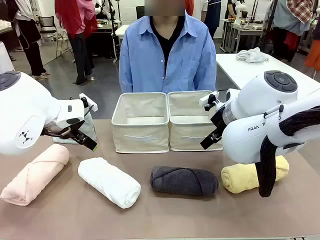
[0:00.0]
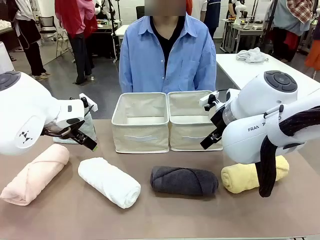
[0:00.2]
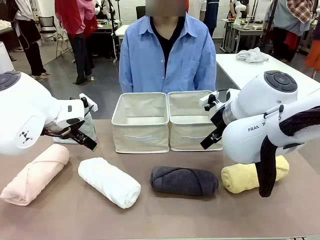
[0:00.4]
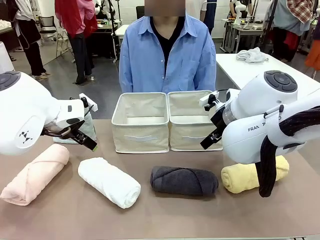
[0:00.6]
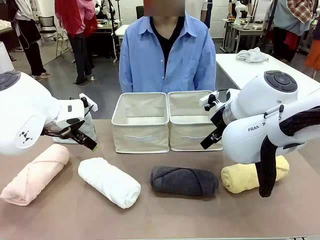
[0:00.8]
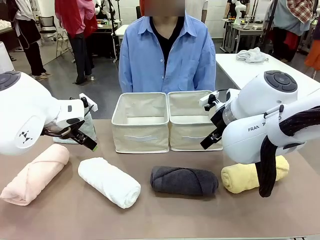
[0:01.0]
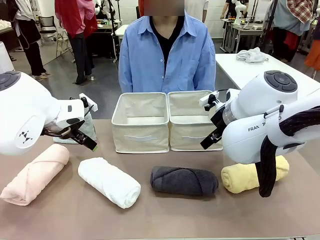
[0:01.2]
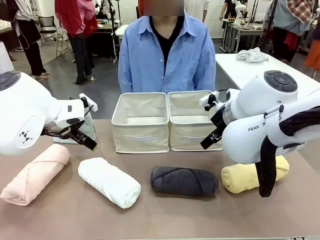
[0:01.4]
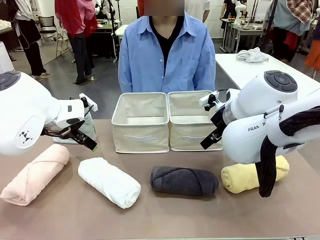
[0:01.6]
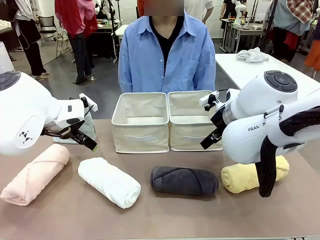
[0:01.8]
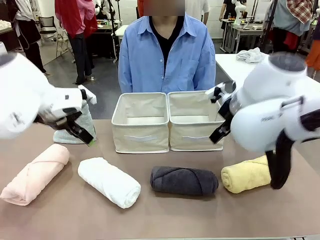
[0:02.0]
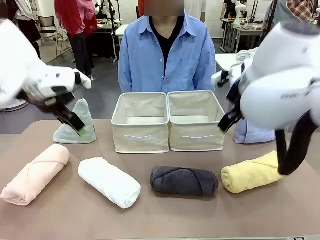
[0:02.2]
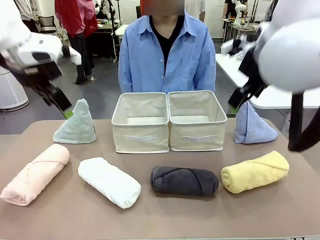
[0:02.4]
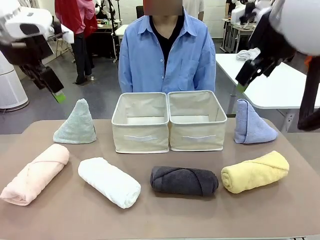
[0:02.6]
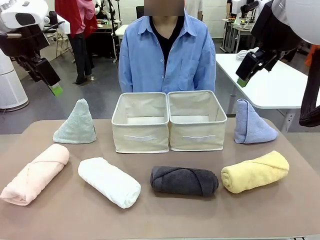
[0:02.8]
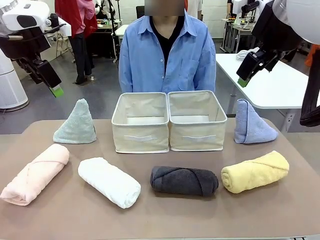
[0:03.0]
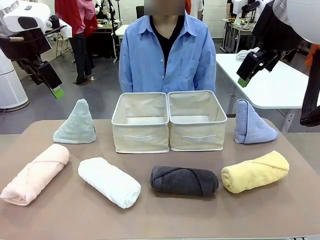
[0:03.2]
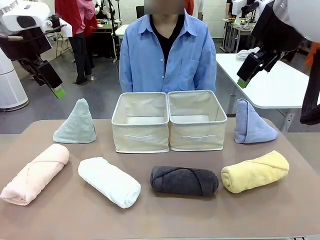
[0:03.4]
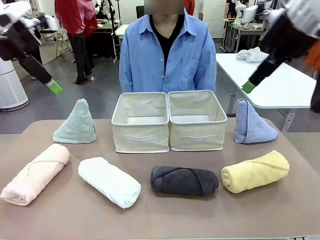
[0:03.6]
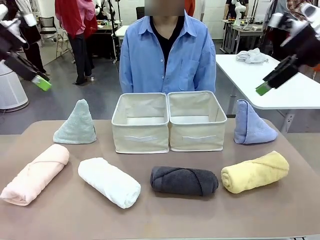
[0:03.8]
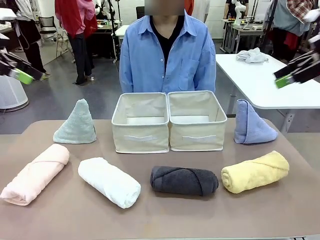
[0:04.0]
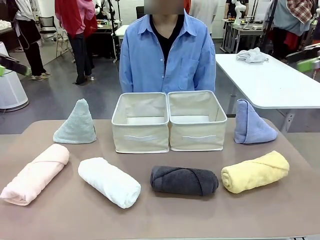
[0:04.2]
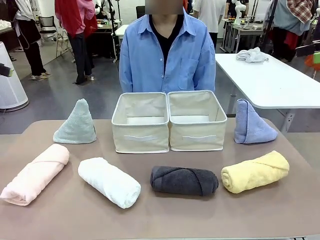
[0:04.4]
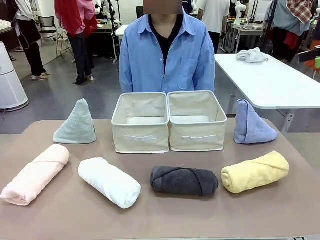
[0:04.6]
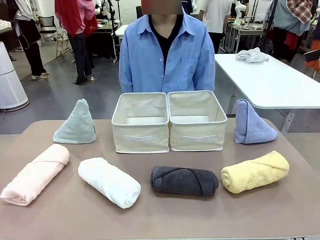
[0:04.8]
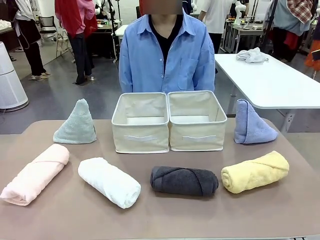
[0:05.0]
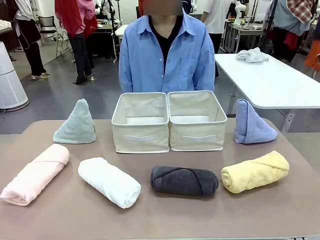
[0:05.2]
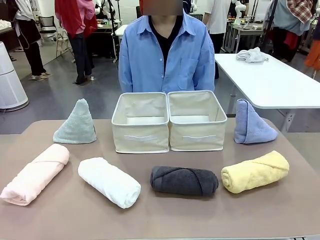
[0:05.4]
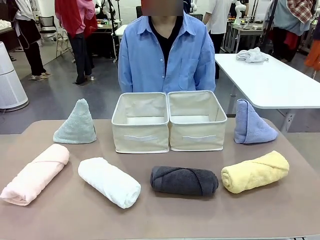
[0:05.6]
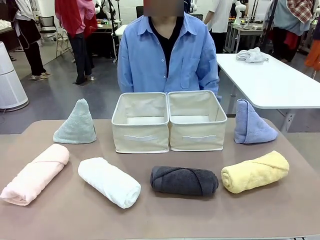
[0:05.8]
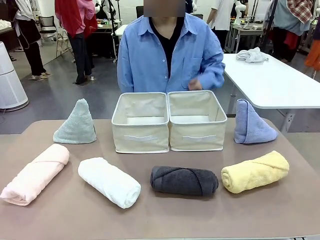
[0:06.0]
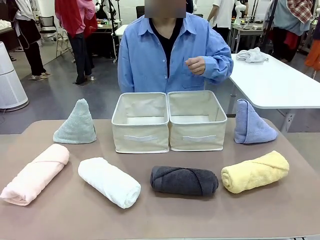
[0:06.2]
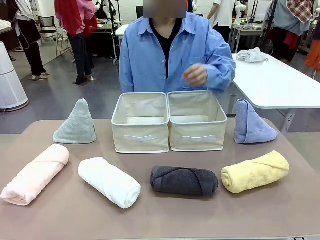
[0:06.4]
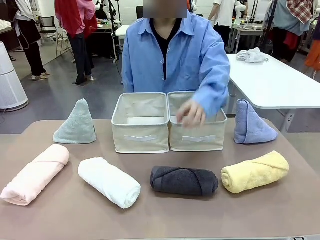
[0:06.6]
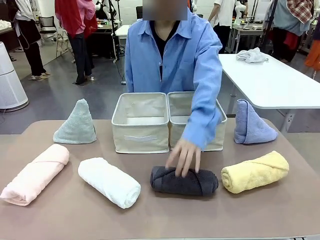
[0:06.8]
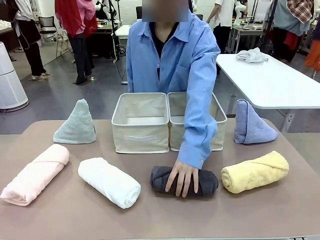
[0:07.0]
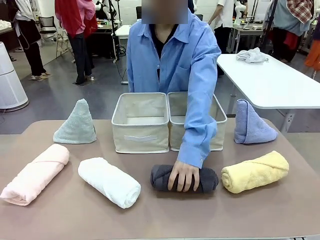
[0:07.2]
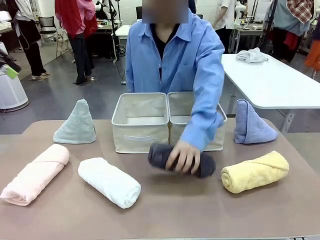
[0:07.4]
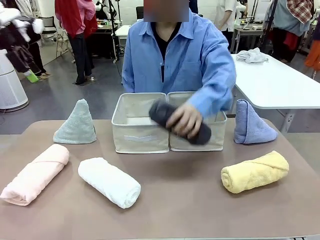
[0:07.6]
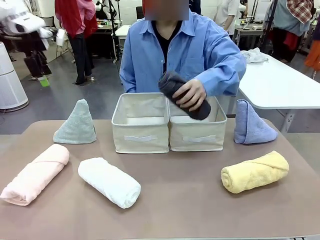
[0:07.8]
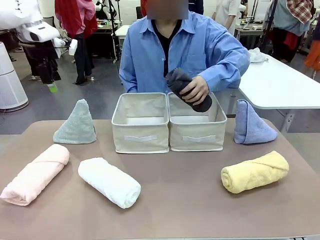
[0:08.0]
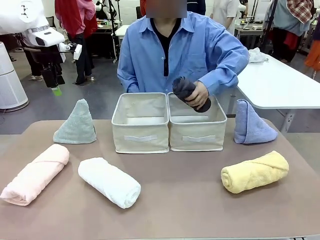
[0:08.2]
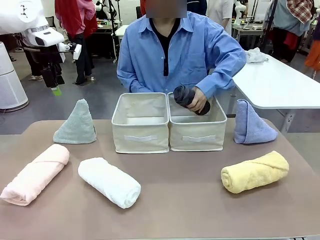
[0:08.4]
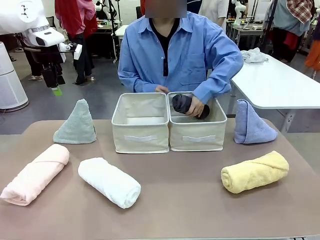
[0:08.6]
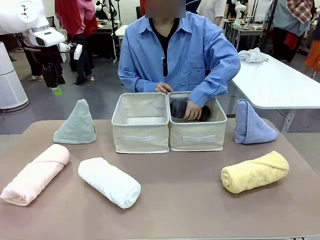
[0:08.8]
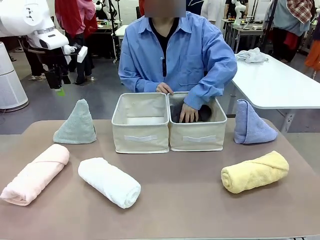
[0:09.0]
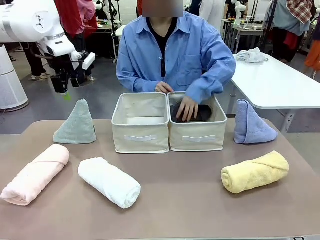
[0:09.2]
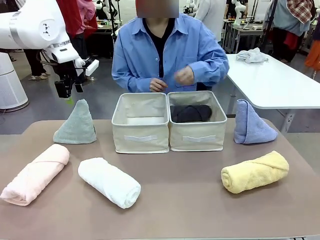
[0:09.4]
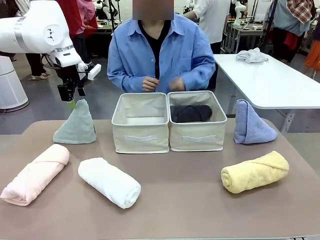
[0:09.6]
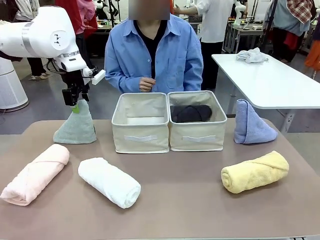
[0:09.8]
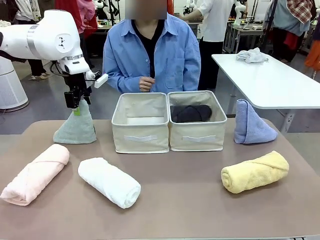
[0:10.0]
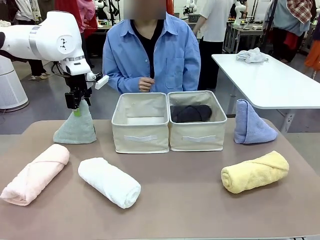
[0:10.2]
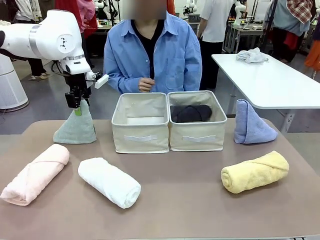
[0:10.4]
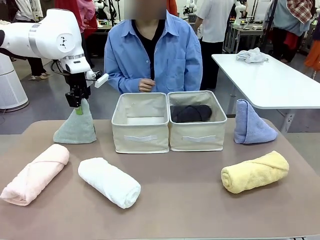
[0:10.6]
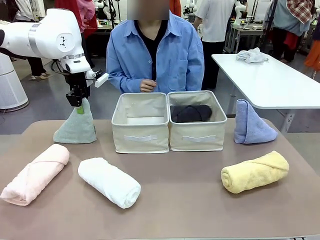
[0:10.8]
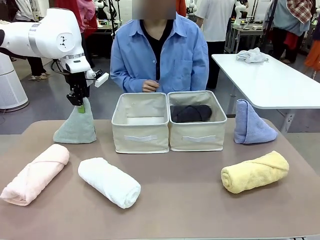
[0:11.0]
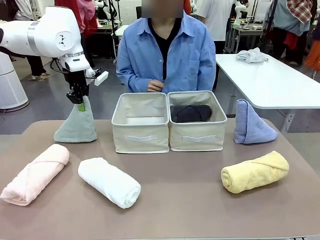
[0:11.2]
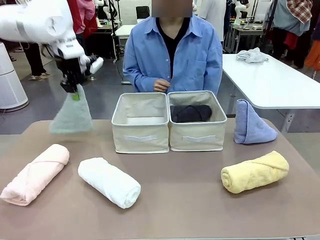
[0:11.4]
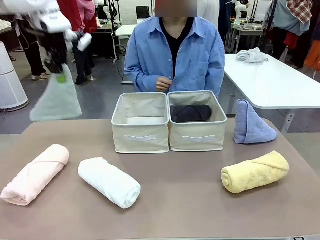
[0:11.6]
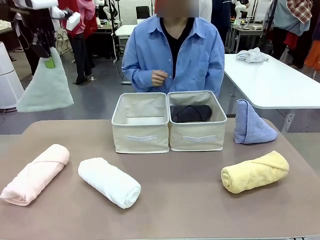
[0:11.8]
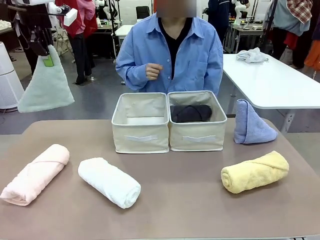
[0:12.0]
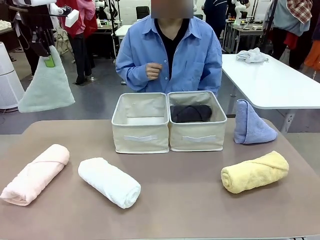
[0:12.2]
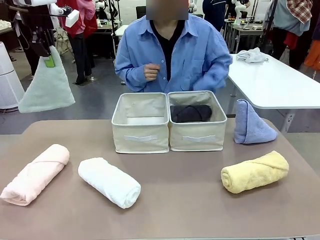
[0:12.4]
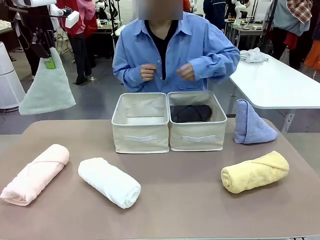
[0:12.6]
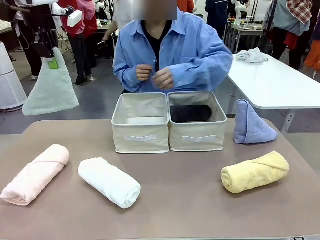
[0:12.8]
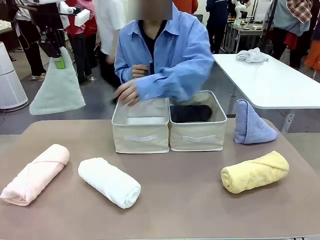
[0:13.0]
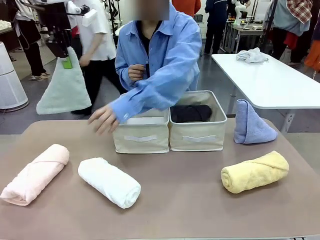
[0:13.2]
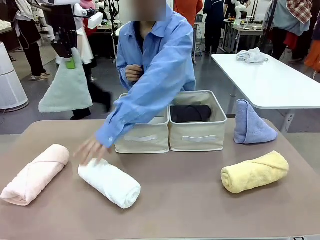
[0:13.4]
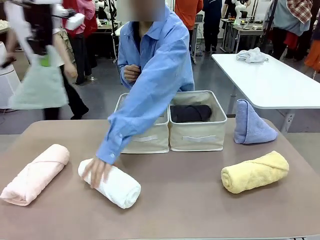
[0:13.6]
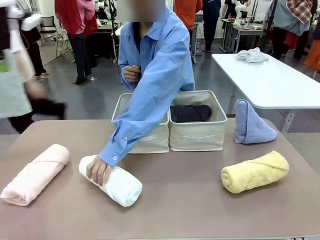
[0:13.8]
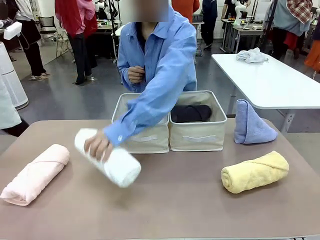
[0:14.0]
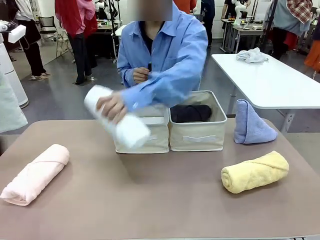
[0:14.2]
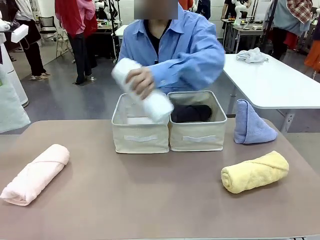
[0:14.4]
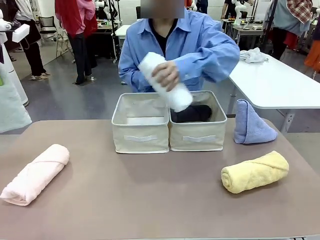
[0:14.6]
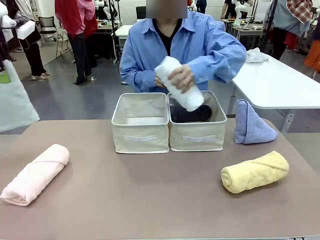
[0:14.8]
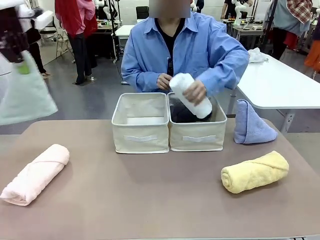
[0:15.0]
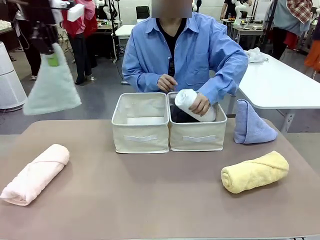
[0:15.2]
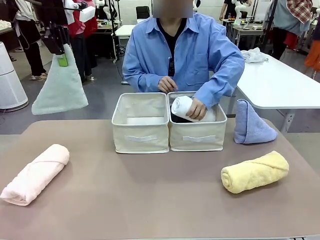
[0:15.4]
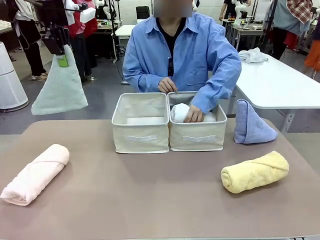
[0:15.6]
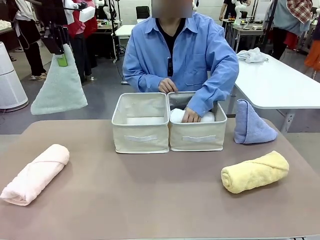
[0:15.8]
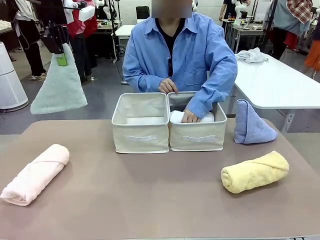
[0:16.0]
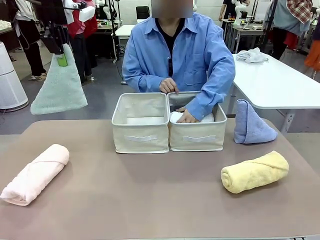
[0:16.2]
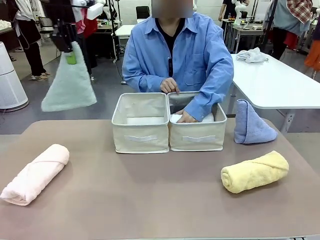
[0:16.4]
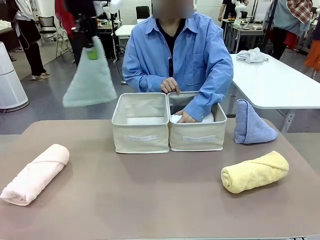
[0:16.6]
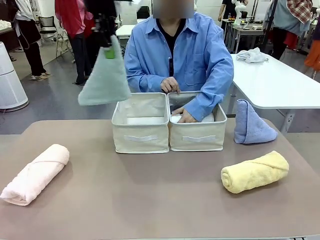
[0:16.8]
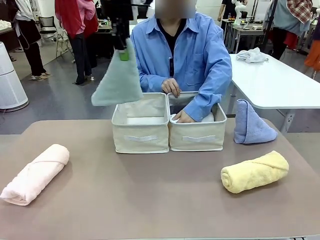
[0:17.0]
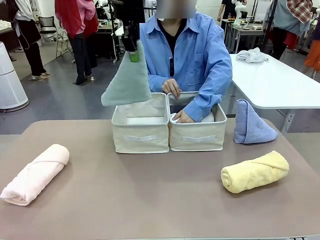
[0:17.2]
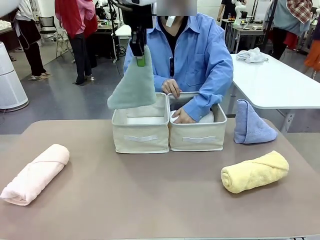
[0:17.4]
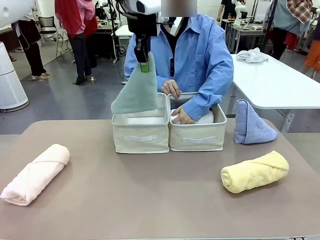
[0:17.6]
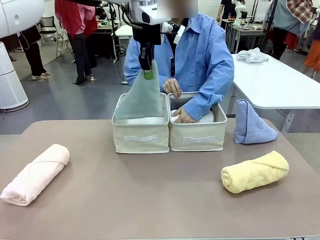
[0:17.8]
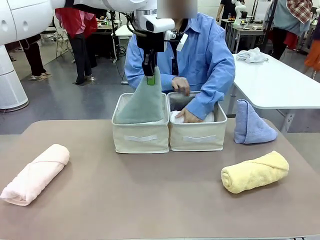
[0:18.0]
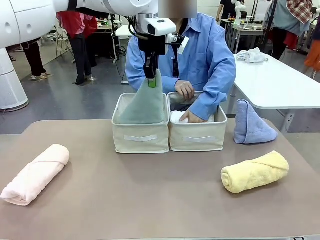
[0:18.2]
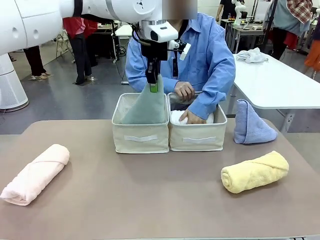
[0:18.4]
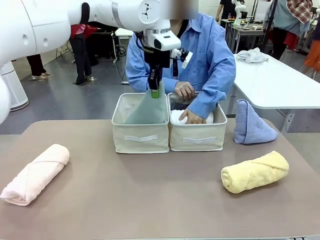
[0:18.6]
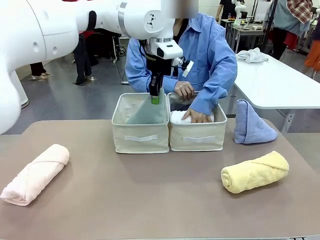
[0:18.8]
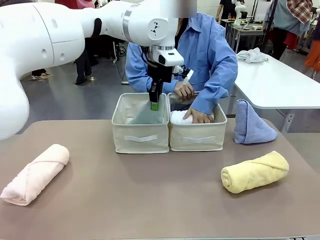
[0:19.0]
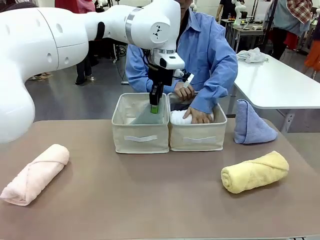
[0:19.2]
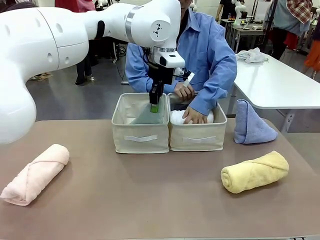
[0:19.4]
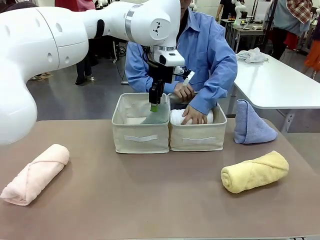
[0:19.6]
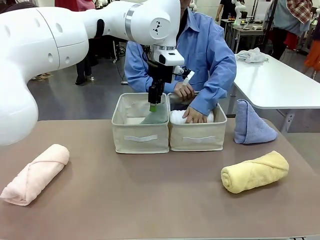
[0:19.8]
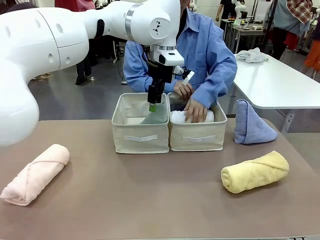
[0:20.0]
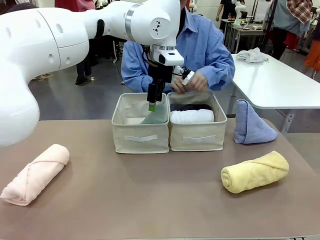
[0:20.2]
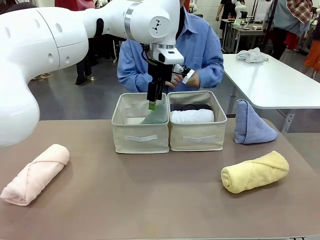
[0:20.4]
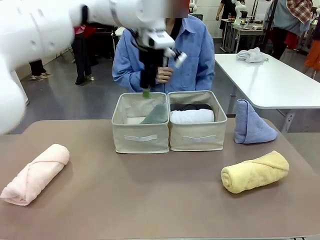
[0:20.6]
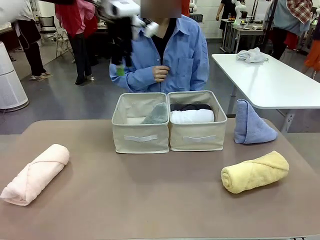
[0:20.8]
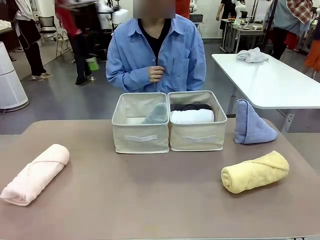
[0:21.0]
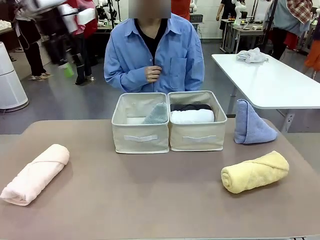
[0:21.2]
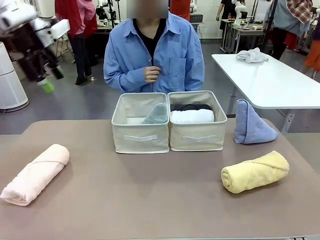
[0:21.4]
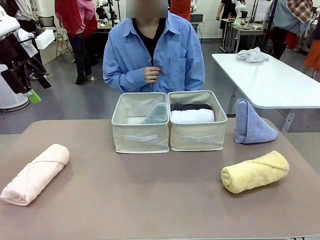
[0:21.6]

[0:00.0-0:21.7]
Task: Sort the towels based on their folding style.
Robot: Pick up one triangle-folded towel and place it in the left Fabric basket.
Person: Pick up one hotel-style rolled towel and place it in the left fabric basket.
